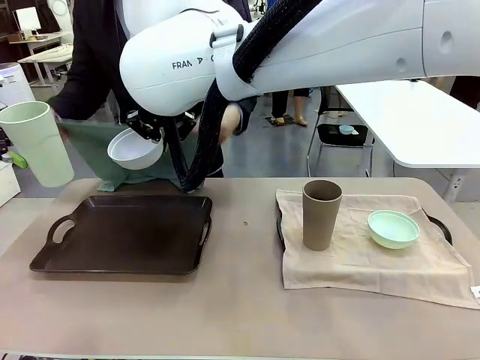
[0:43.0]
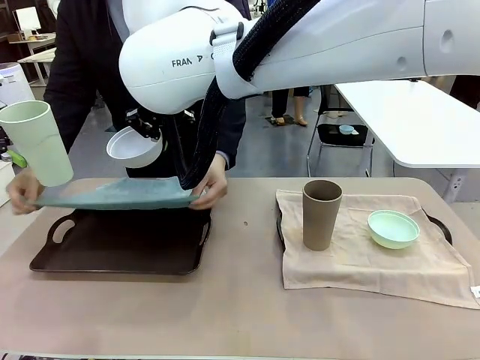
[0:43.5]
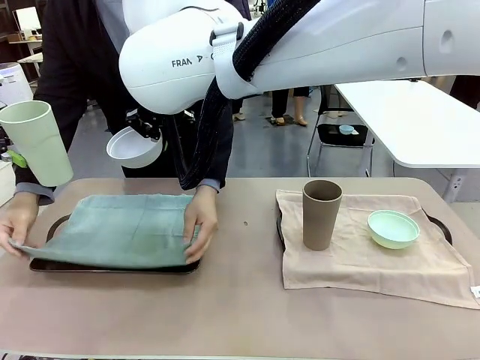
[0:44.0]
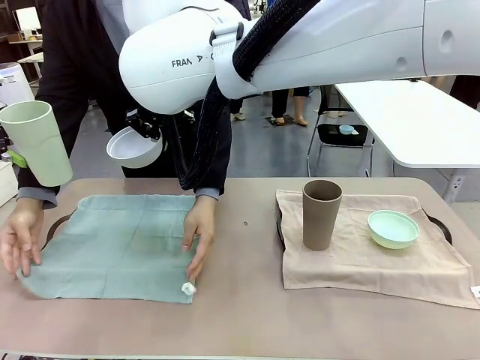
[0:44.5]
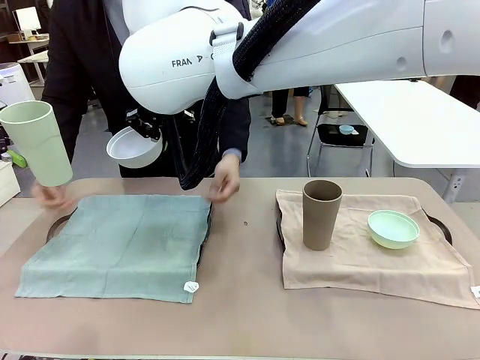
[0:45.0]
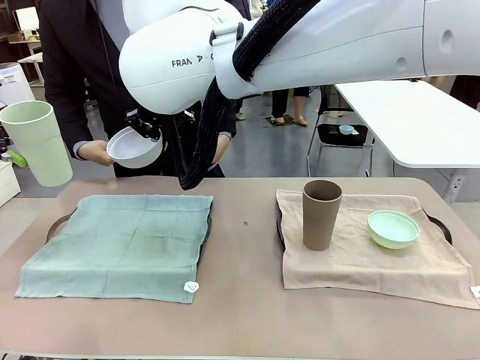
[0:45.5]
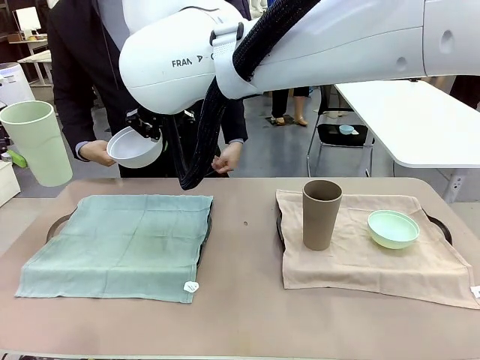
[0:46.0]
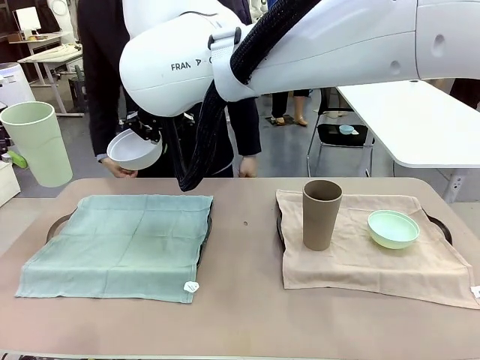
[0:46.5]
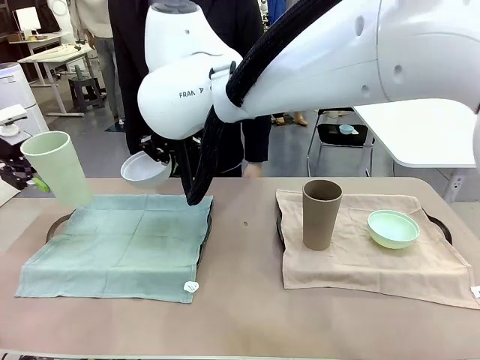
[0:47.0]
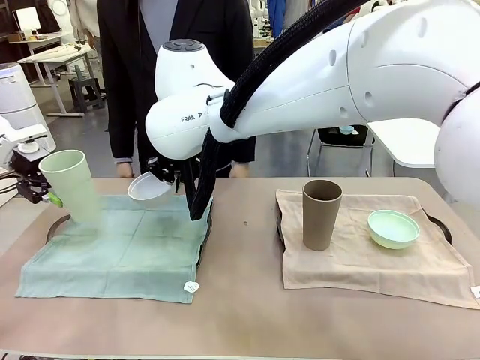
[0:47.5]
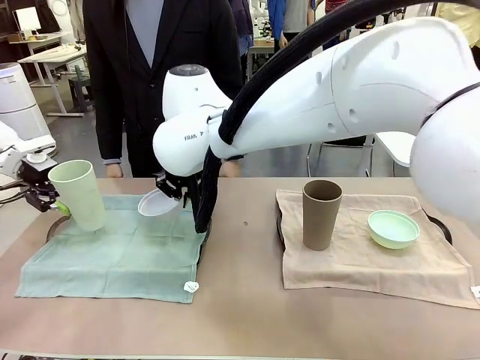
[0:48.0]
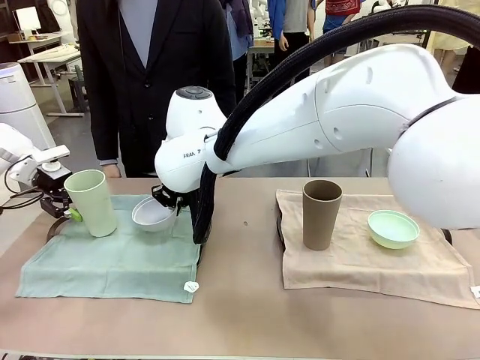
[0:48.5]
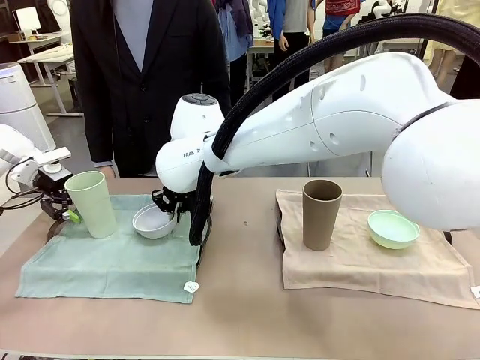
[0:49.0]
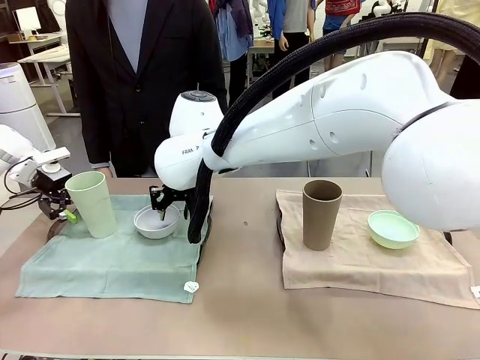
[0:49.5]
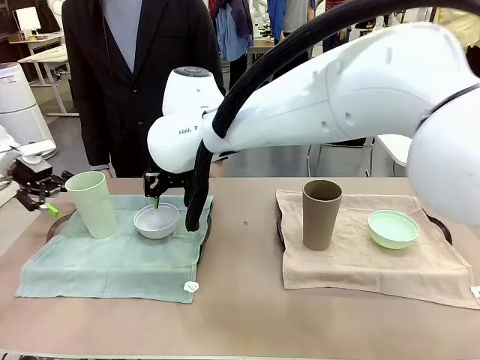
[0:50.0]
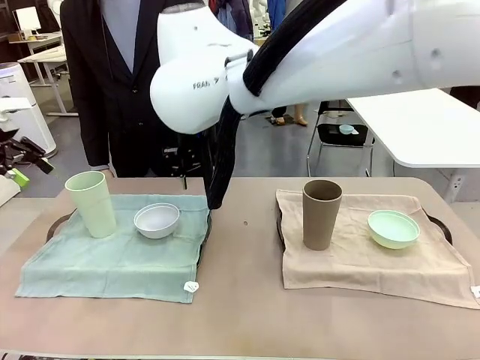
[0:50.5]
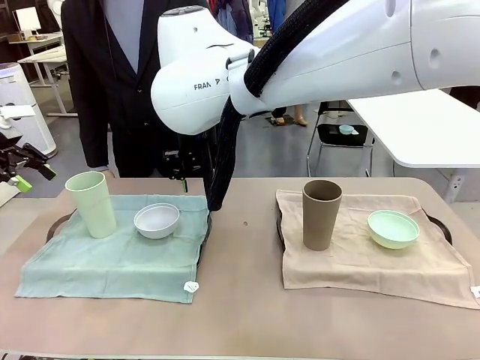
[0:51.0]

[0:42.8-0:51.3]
Robot: Place the Picnic Bowl and Reusable plastic cup back onto the Handle tray in front of the human's position.

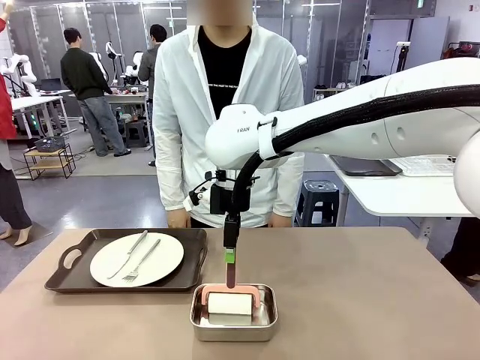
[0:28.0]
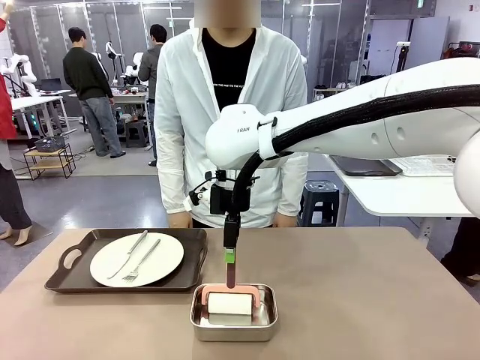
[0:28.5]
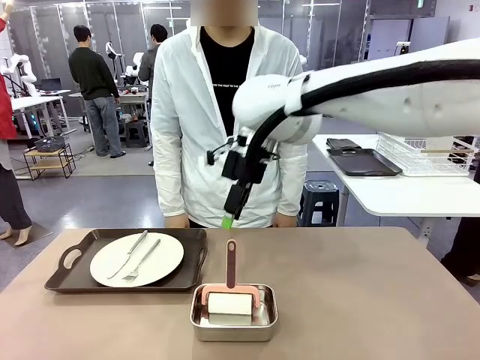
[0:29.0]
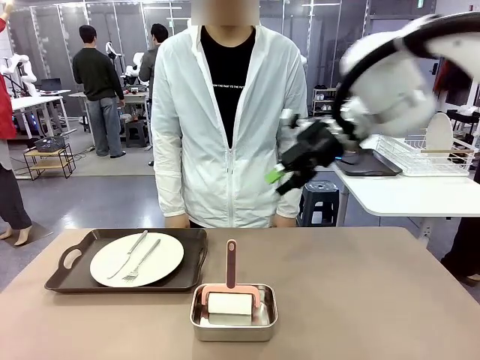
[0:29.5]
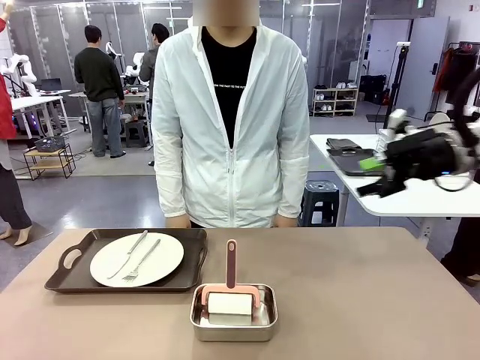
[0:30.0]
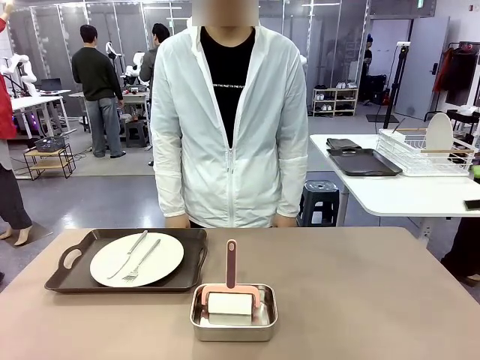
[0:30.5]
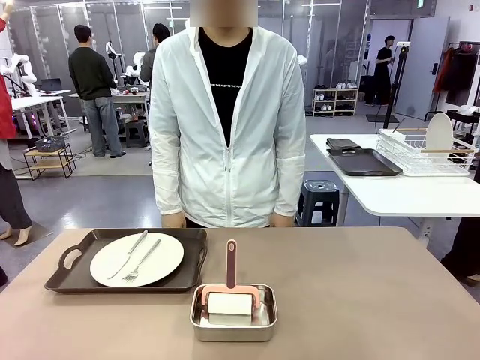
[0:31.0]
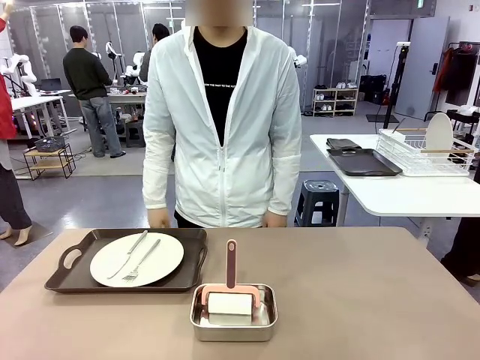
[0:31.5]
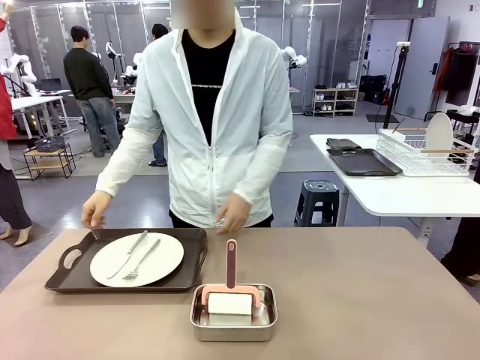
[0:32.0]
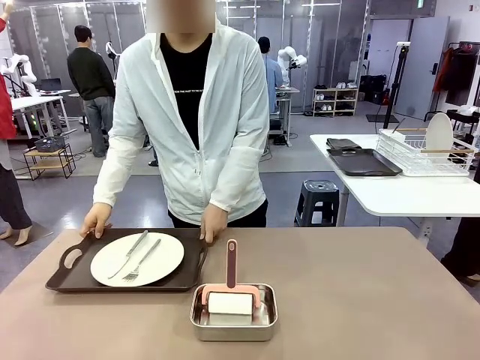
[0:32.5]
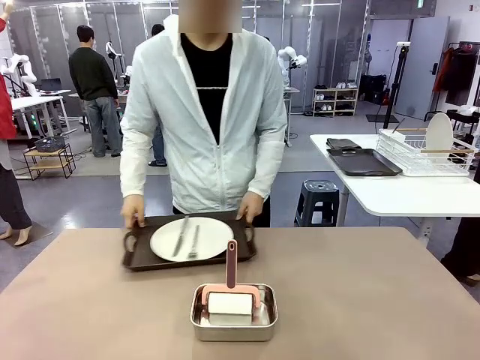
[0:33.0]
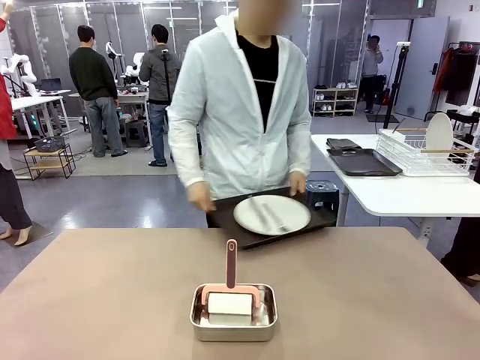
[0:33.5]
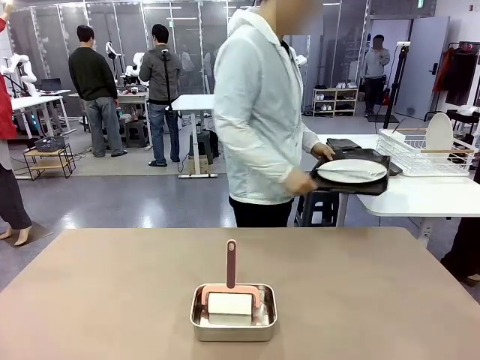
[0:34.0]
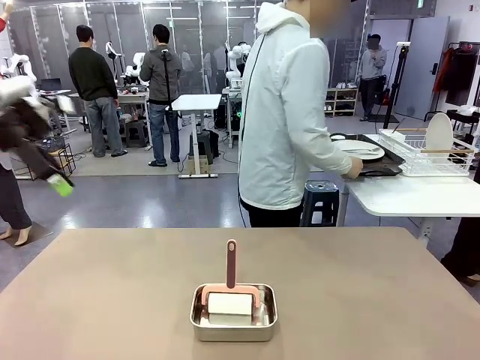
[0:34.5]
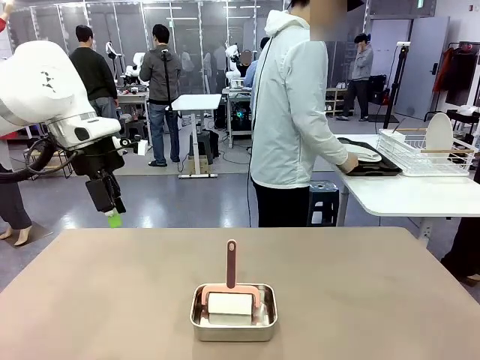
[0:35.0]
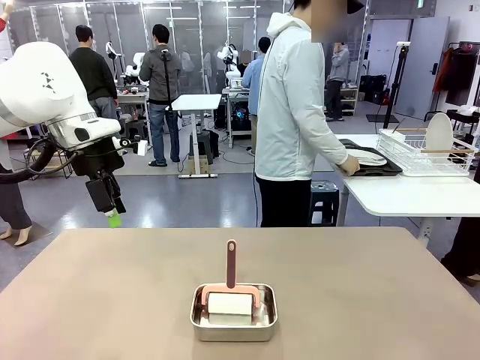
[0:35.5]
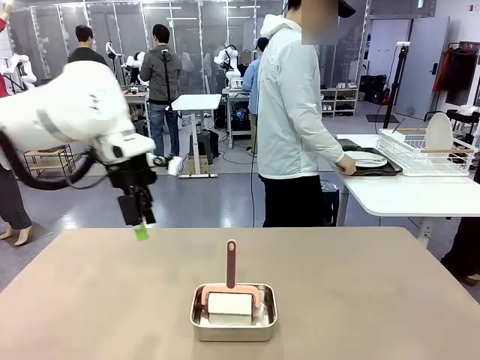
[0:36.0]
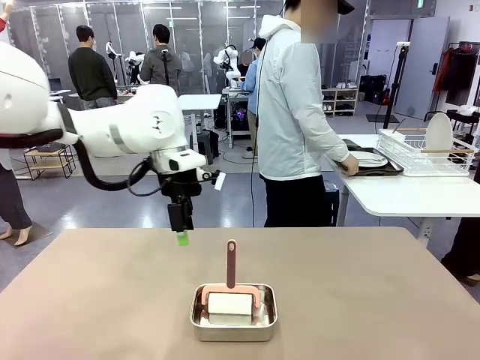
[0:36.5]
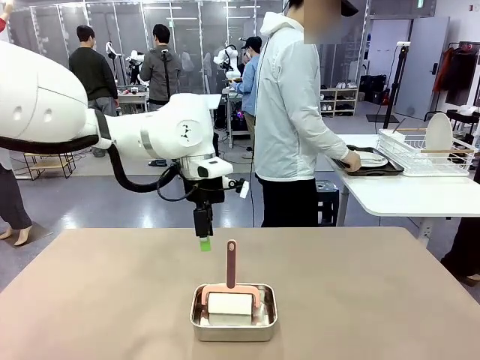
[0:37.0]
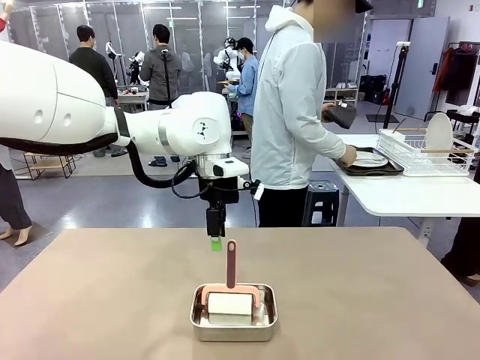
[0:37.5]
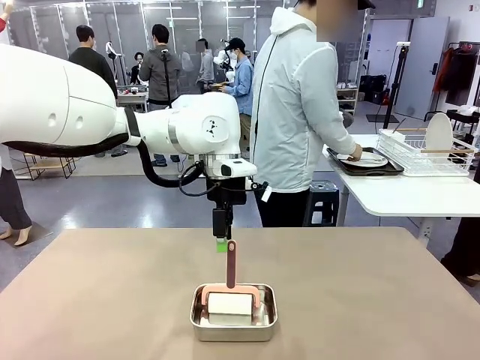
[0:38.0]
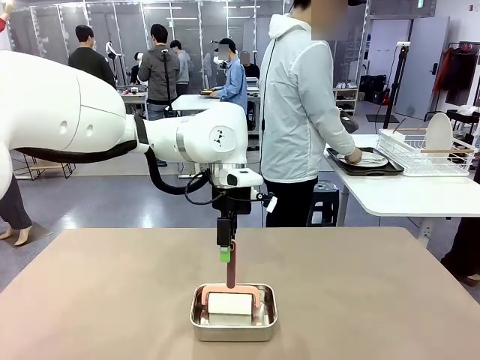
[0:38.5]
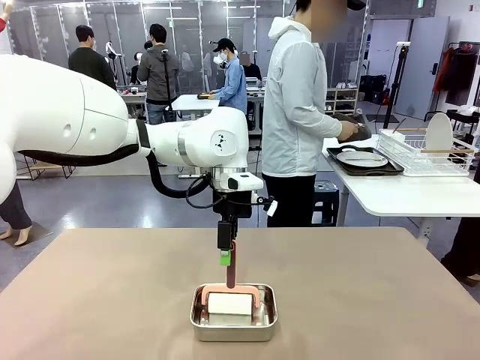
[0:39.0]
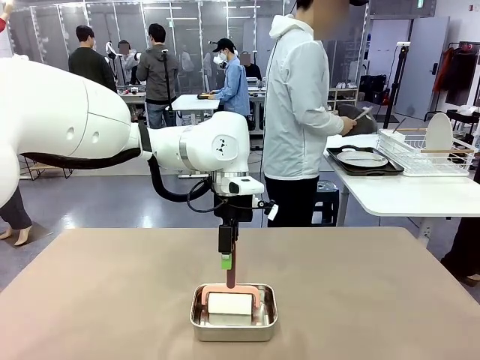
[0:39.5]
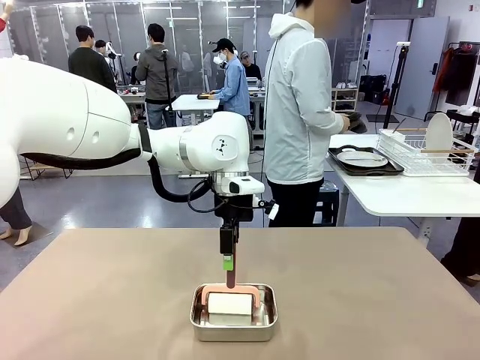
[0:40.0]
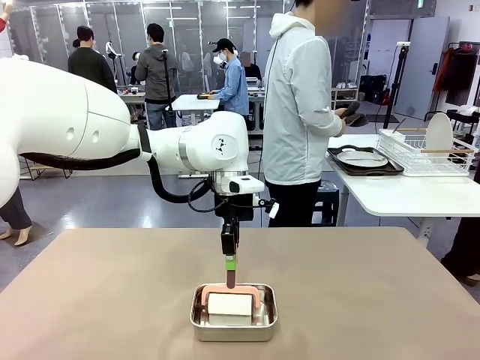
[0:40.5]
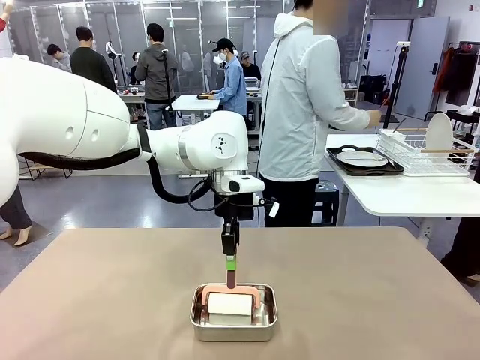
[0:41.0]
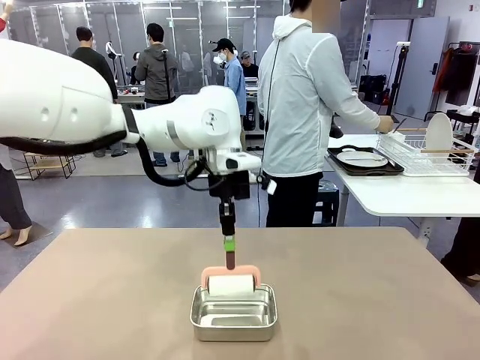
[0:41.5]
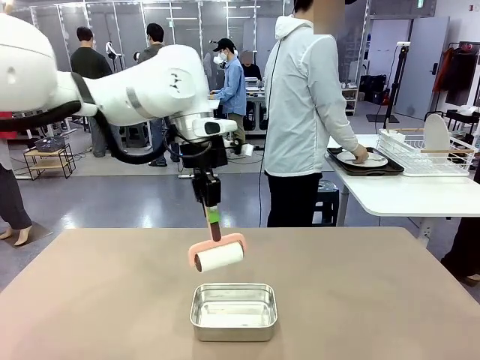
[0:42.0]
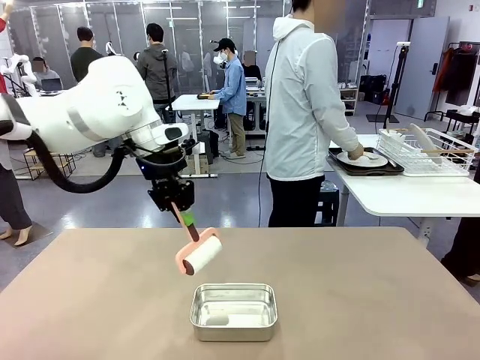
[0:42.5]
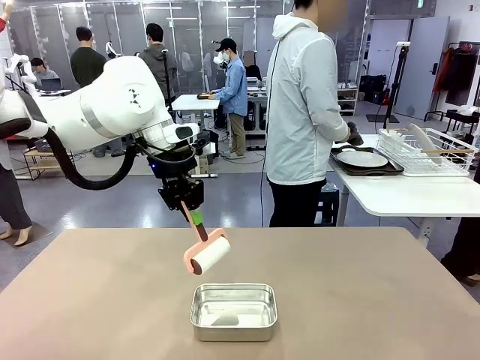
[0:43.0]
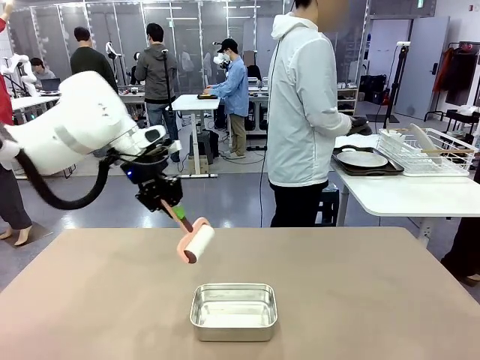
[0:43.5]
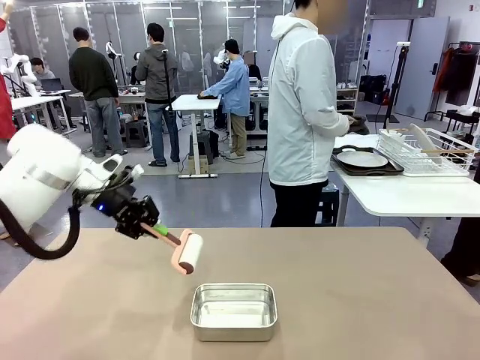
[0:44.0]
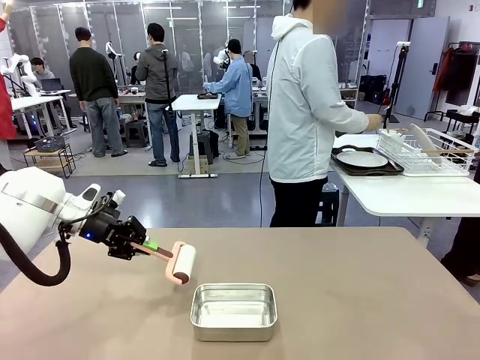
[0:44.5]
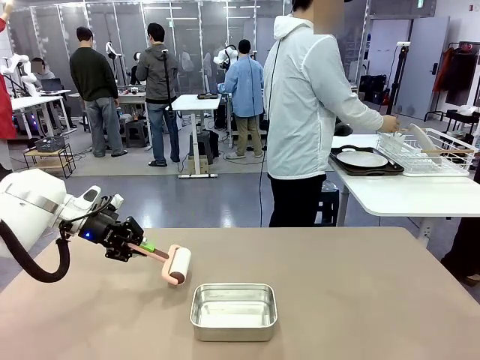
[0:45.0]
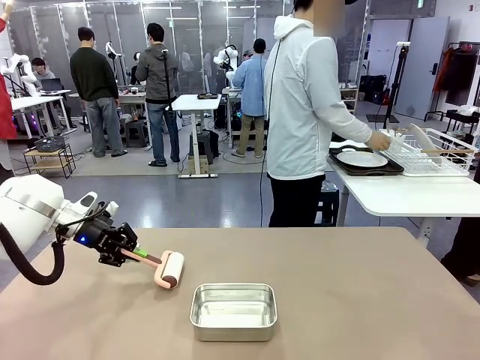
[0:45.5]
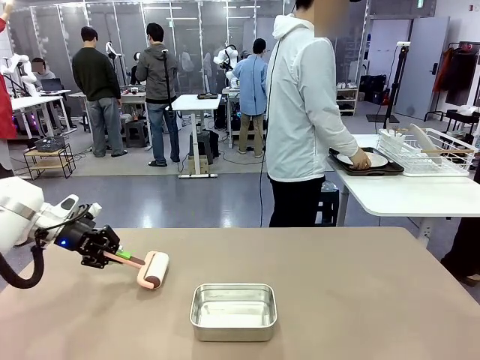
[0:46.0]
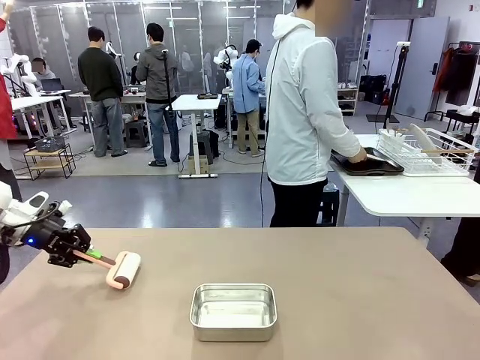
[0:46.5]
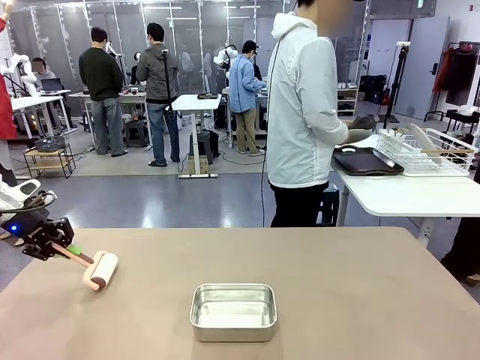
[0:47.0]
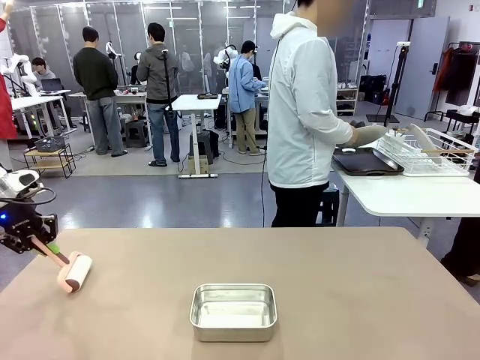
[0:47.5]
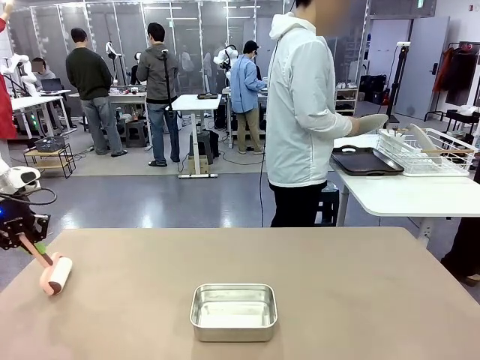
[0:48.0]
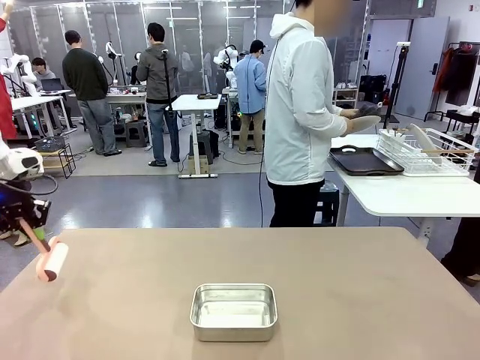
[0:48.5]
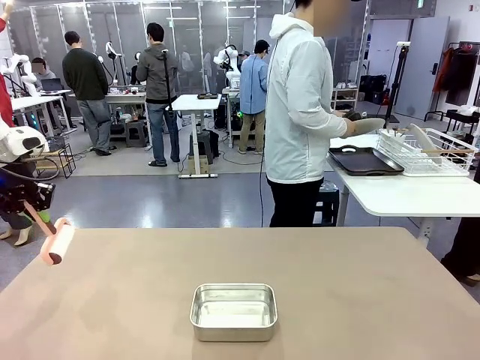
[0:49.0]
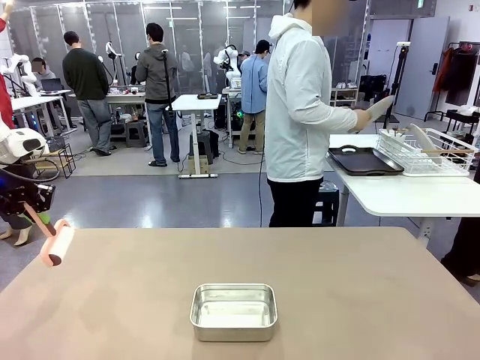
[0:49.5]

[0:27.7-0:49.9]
Robot: When the right (or left) Handle tray is removed, use the right hand (or left hand) to clean the right (or left) side of the table with the Lint Roller.
Person: Pick up the left (or right) Handle tray and place it on the Handle tray. Use the Towel with hook to wipe the Plastic Matte Plate , Fork , and Knife and place into the Dish drying rack.
